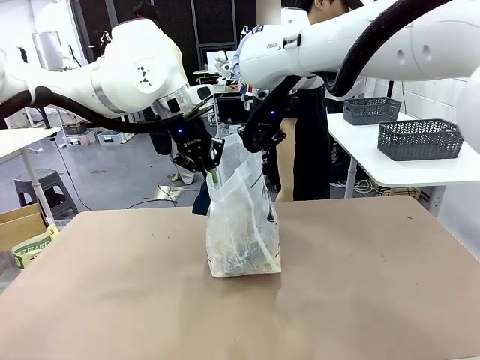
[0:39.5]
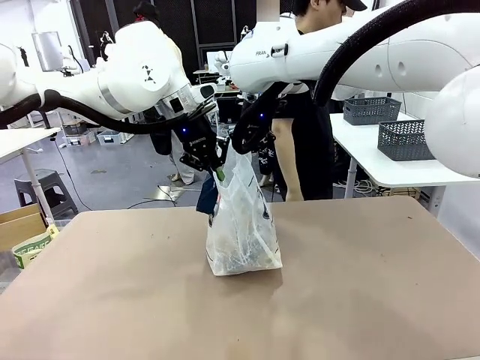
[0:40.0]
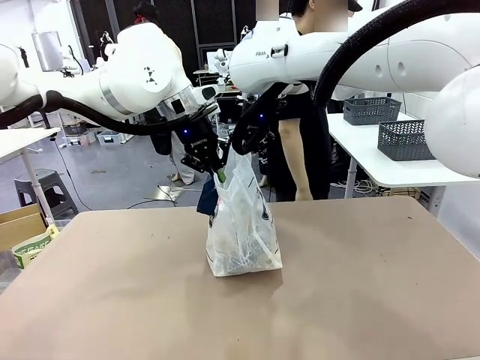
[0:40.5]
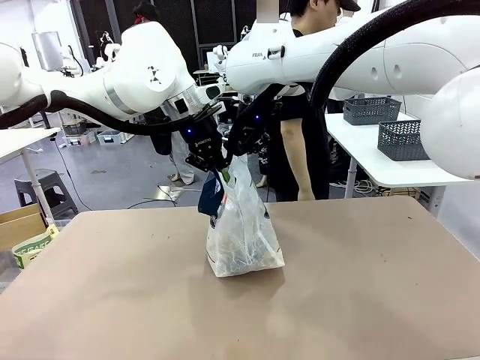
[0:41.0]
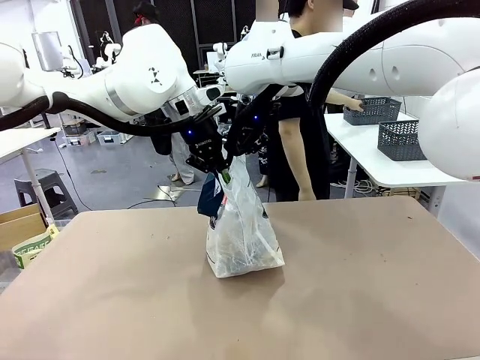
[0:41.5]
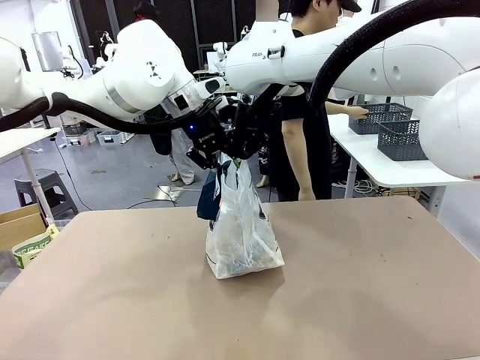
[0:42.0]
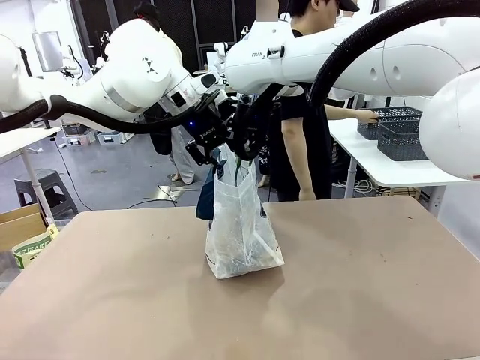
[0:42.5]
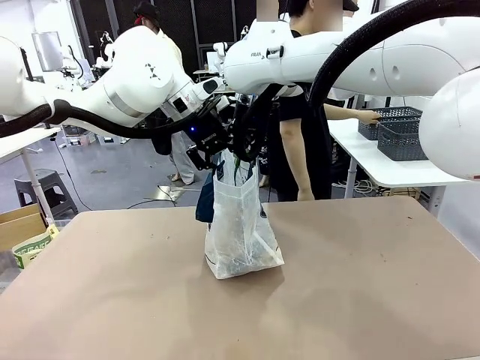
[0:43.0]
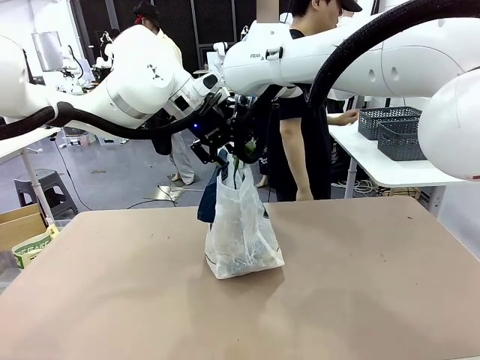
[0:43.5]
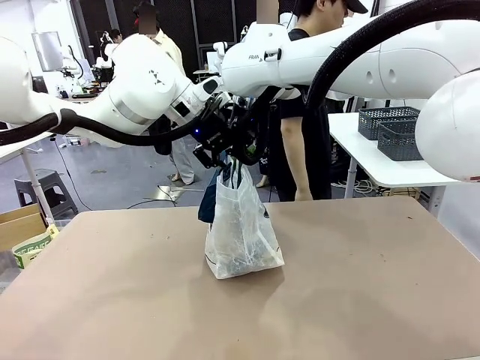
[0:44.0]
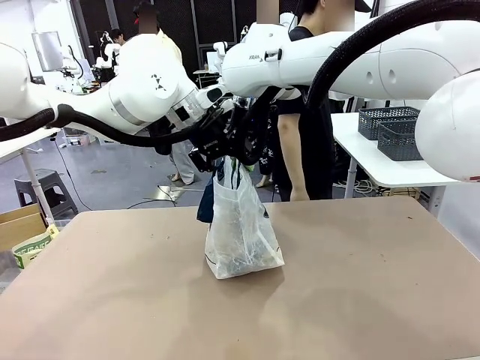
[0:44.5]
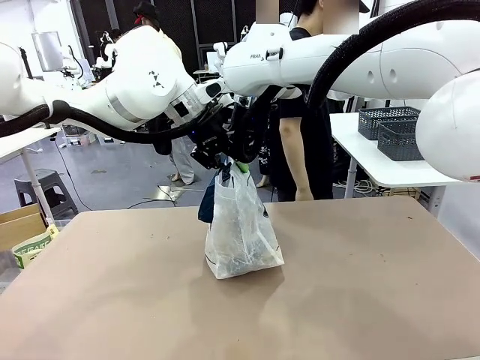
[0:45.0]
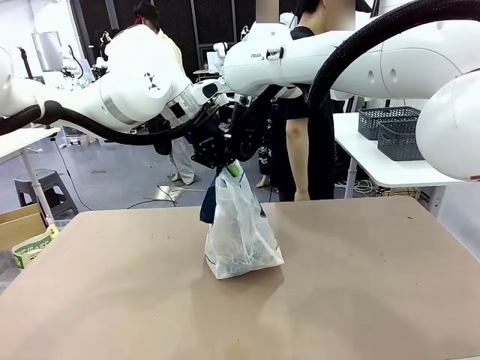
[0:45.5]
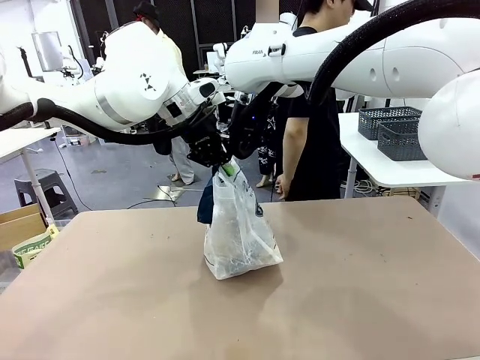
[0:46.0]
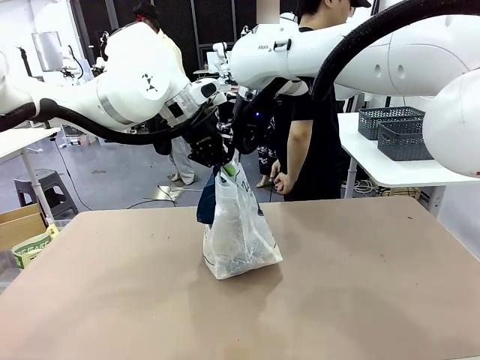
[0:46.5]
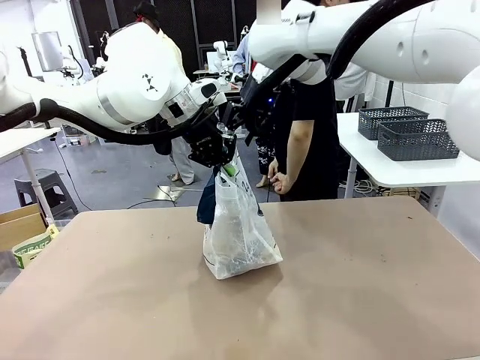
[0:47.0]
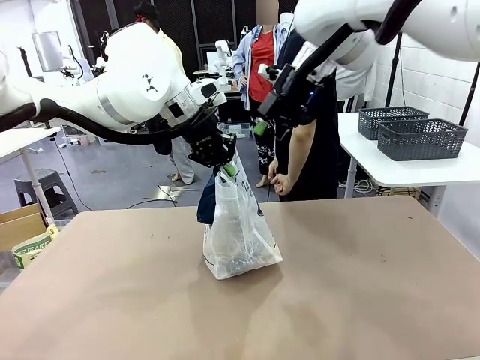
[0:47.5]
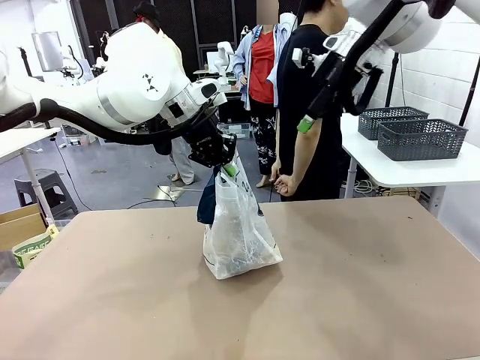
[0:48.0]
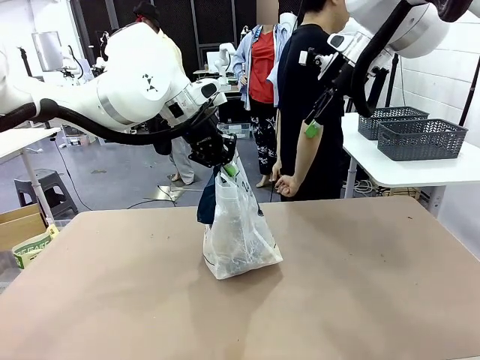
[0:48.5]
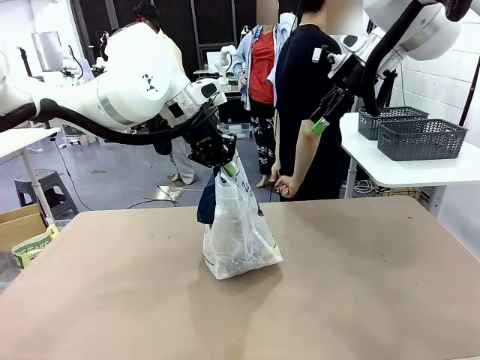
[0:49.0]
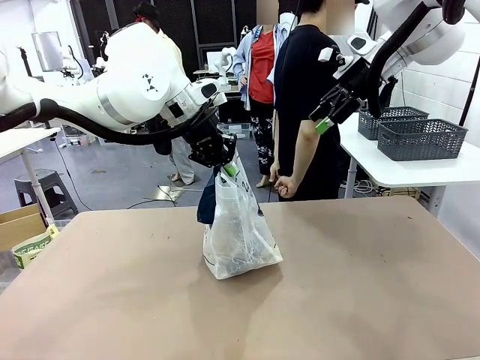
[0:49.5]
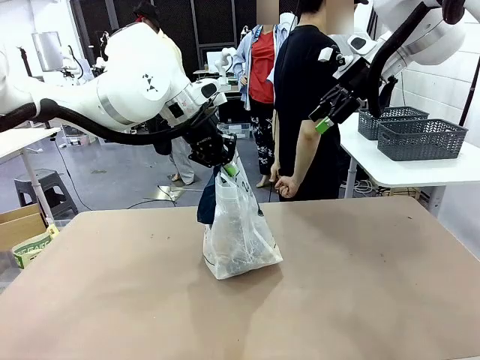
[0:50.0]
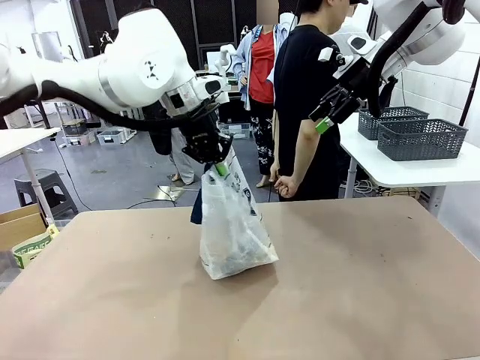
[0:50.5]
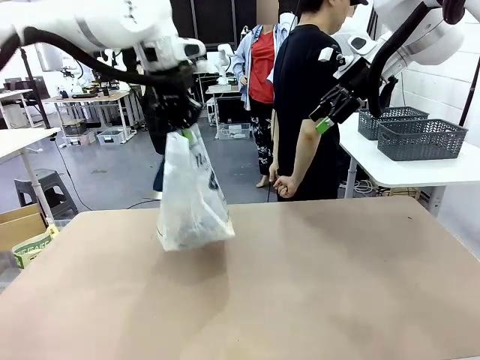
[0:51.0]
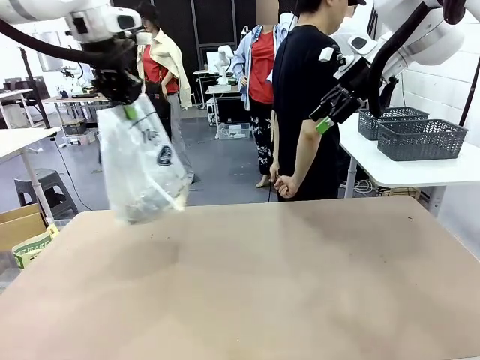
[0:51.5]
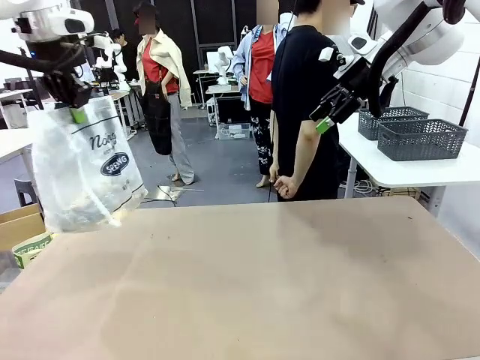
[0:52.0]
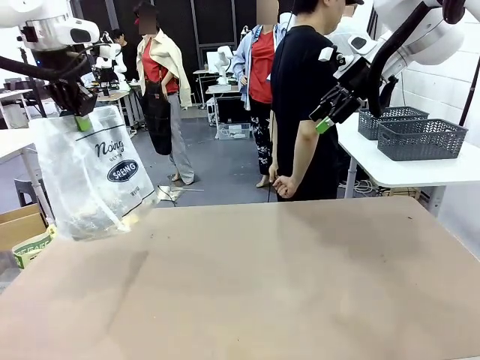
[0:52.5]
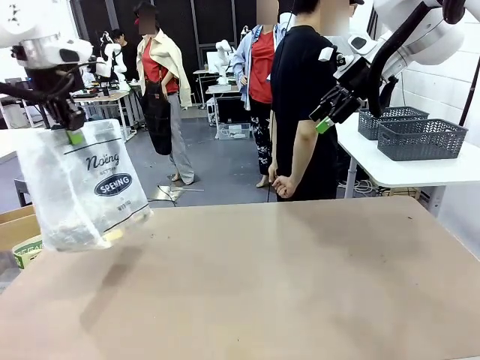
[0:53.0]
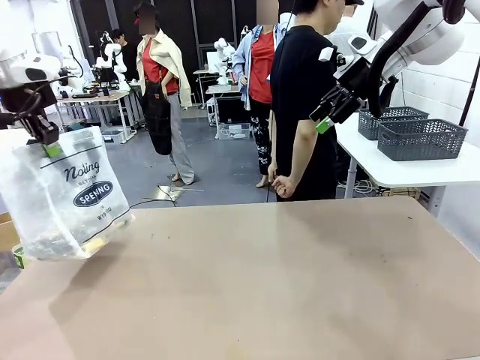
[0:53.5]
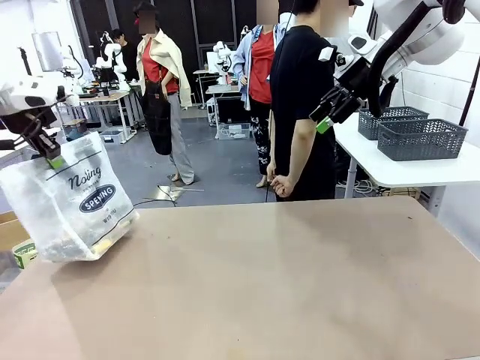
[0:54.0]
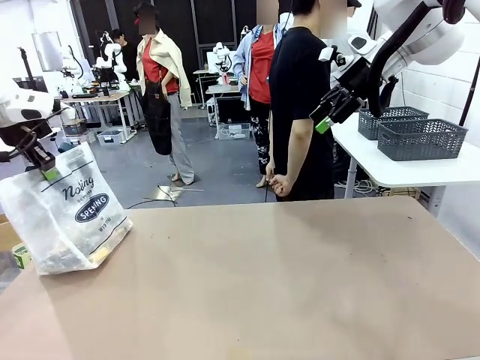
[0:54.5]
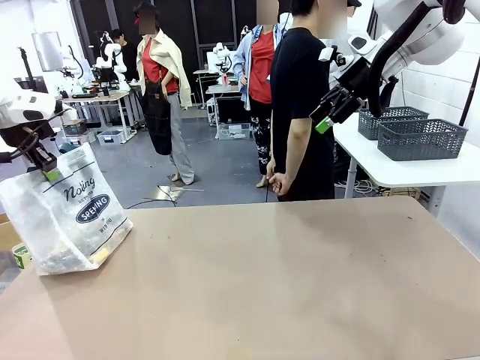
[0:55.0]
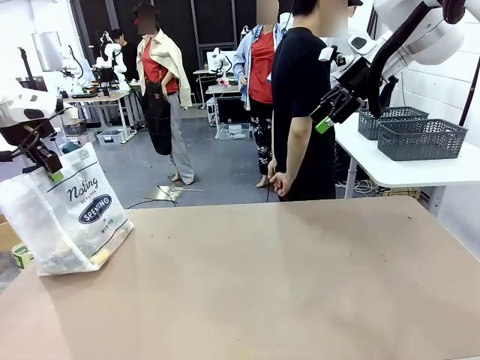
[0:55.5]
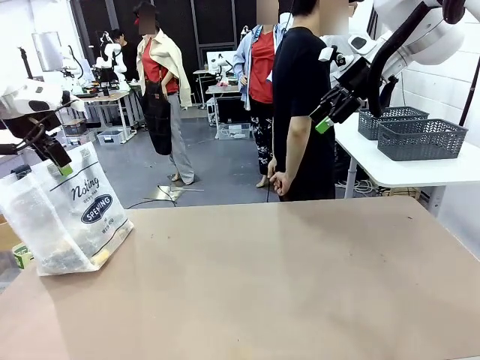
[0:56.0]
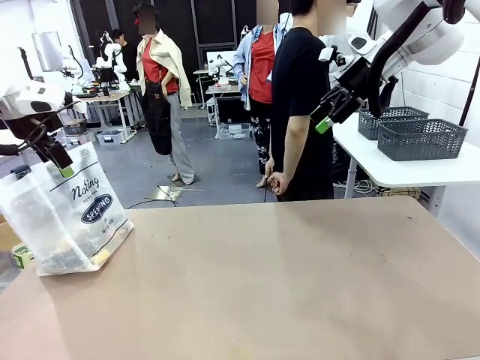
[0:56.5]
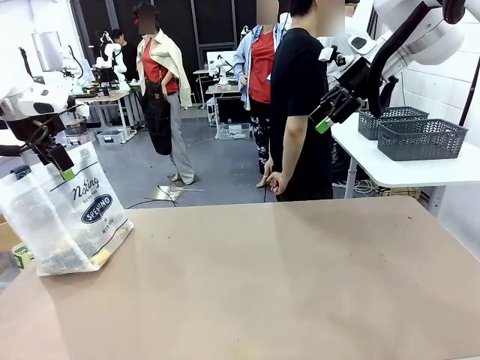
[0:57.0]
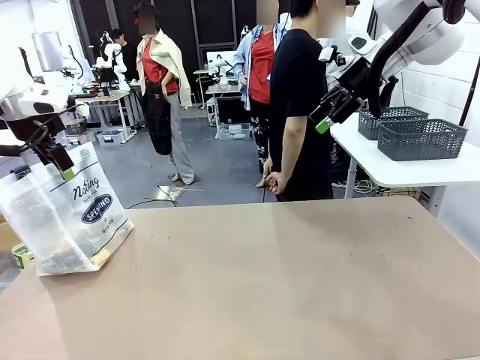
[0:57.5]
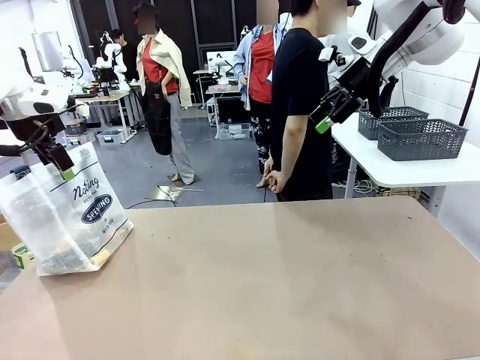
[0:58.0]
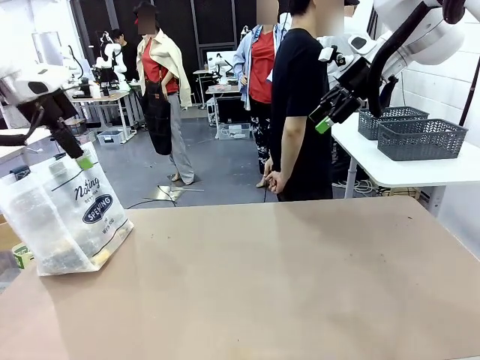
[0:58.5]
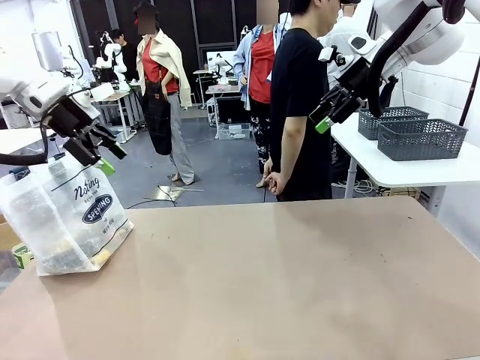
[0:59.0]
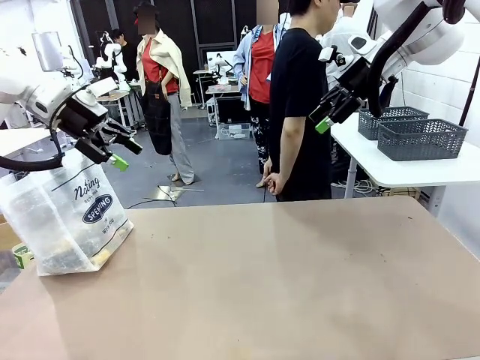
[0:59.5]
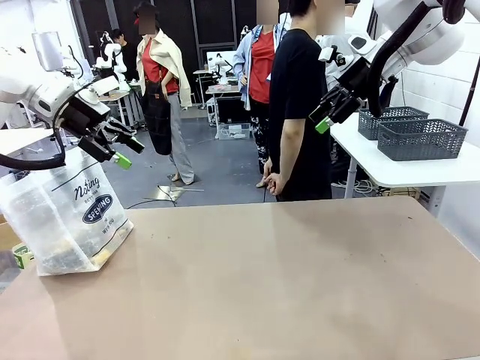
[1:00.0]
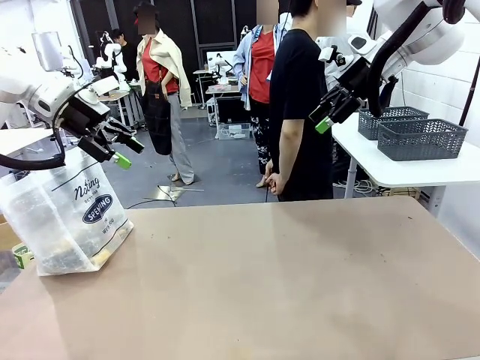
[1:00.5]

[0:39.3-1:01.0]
Task: Transfer purchased items from the store into the shopping bag.
Robot: Move the Reusable shopping bag to the right side of the table.
Person: Move the basket on the left to the middle of the person's table.
